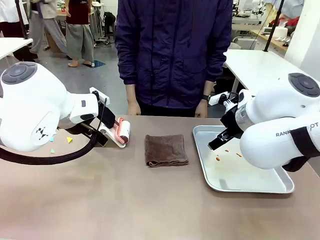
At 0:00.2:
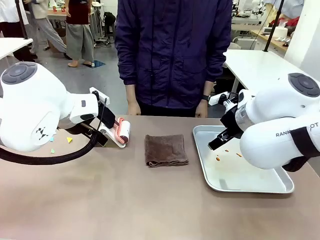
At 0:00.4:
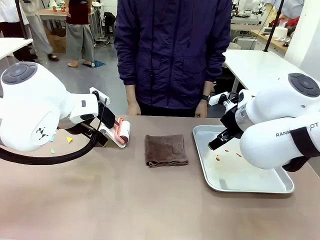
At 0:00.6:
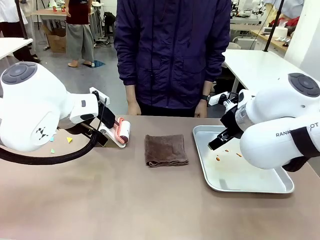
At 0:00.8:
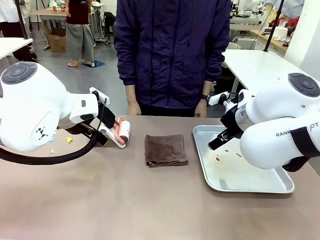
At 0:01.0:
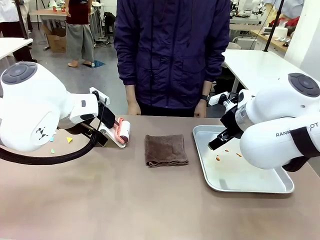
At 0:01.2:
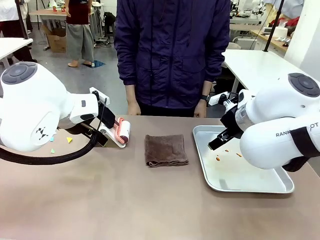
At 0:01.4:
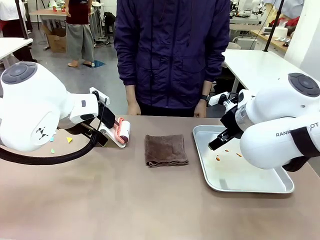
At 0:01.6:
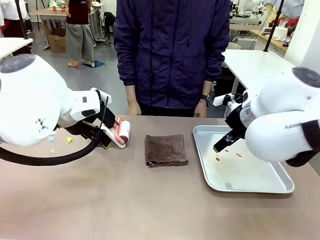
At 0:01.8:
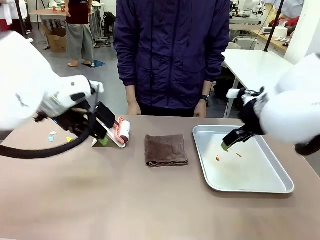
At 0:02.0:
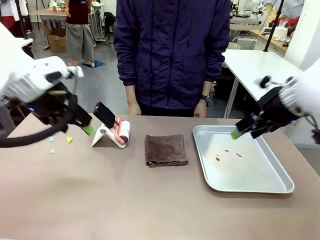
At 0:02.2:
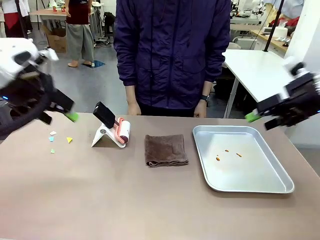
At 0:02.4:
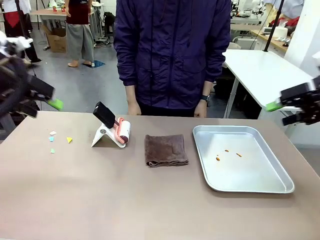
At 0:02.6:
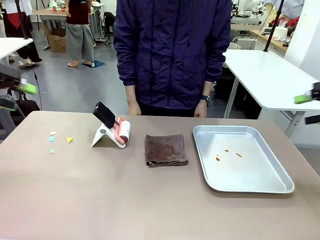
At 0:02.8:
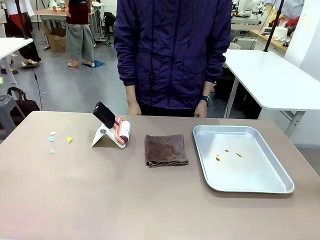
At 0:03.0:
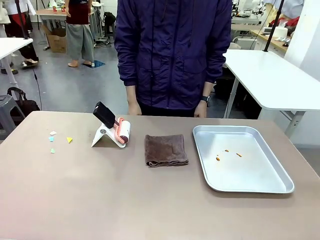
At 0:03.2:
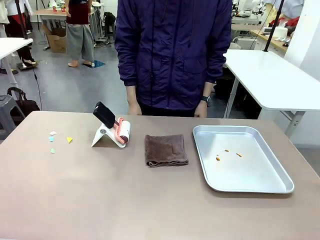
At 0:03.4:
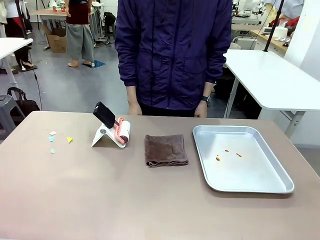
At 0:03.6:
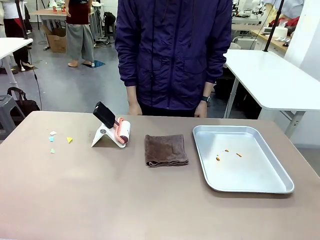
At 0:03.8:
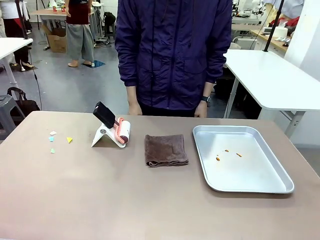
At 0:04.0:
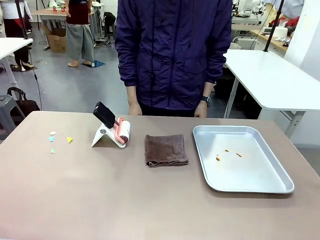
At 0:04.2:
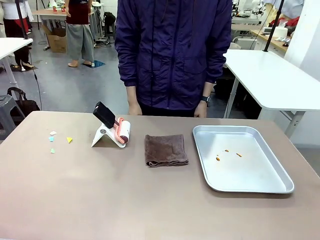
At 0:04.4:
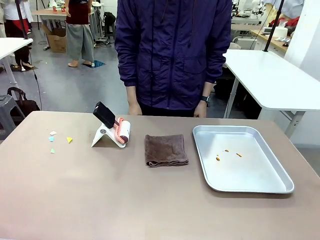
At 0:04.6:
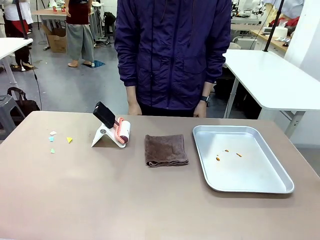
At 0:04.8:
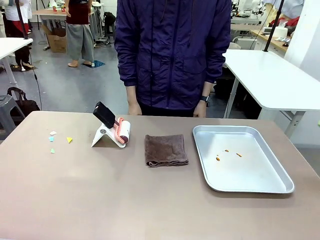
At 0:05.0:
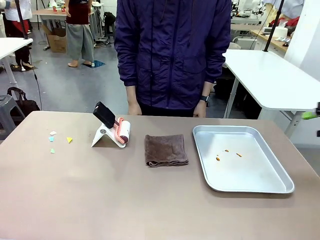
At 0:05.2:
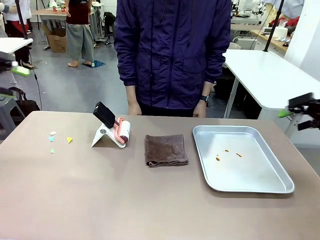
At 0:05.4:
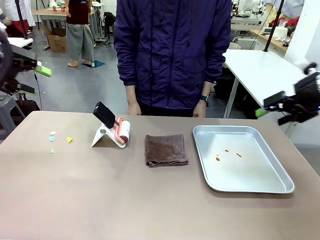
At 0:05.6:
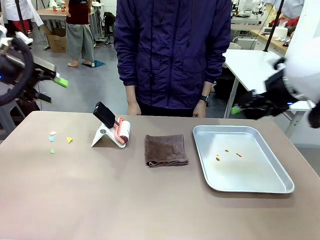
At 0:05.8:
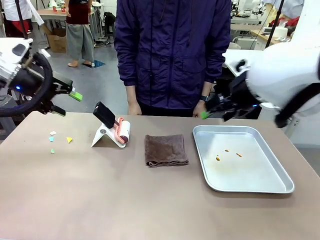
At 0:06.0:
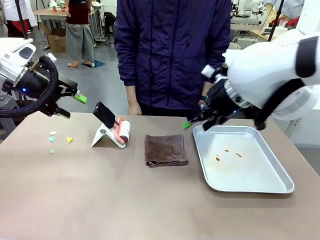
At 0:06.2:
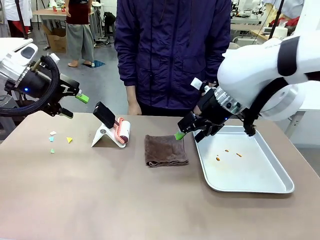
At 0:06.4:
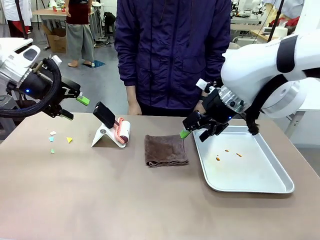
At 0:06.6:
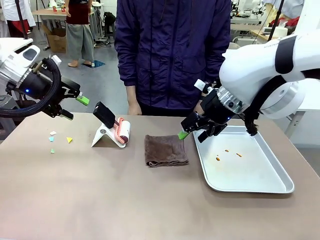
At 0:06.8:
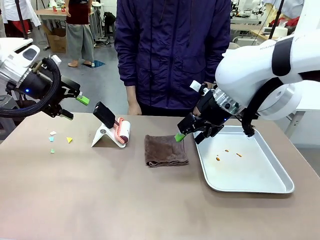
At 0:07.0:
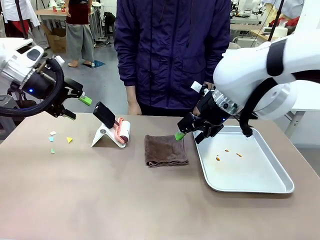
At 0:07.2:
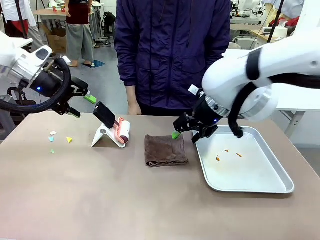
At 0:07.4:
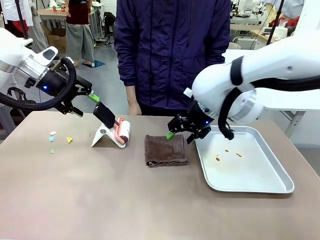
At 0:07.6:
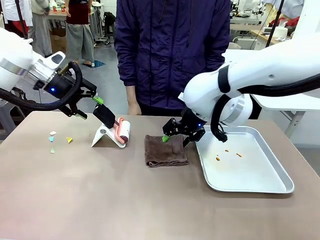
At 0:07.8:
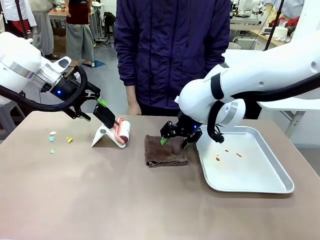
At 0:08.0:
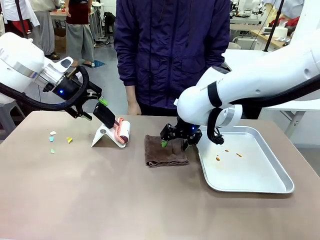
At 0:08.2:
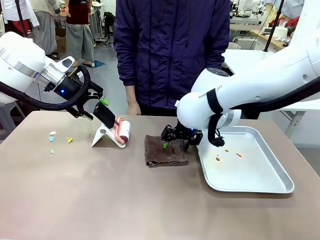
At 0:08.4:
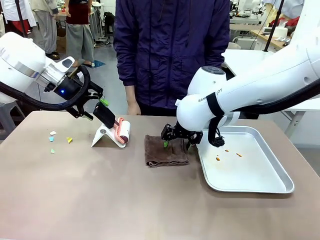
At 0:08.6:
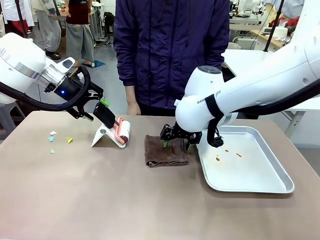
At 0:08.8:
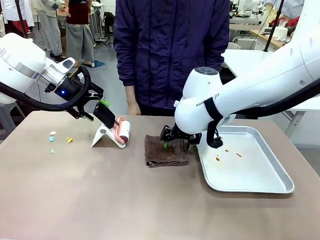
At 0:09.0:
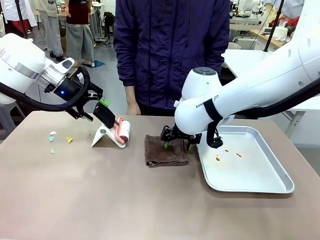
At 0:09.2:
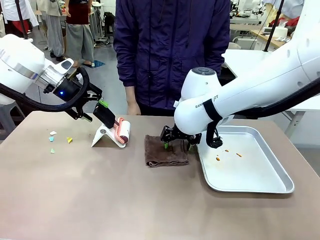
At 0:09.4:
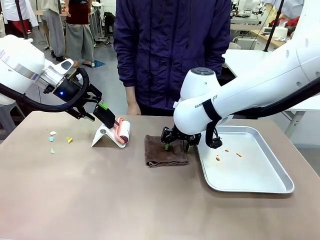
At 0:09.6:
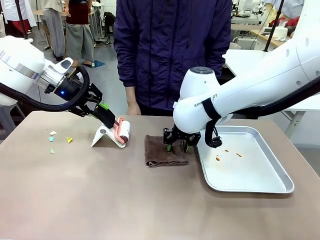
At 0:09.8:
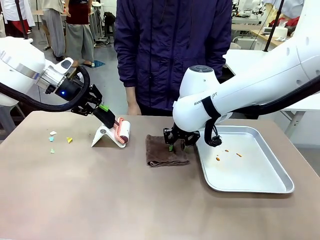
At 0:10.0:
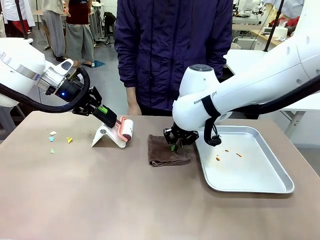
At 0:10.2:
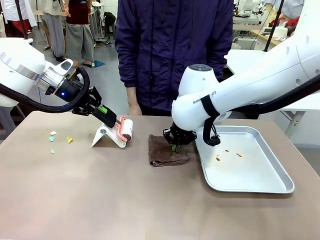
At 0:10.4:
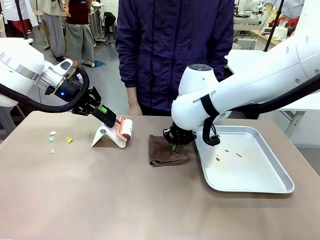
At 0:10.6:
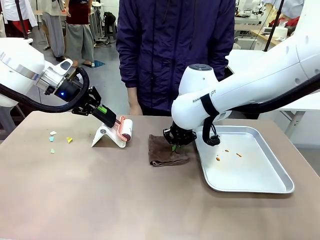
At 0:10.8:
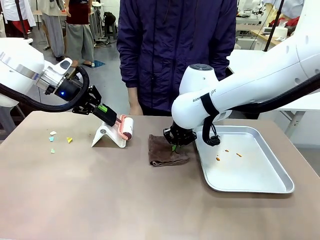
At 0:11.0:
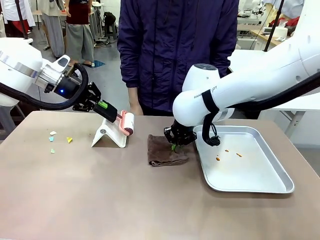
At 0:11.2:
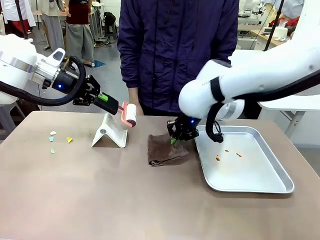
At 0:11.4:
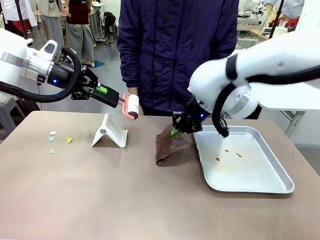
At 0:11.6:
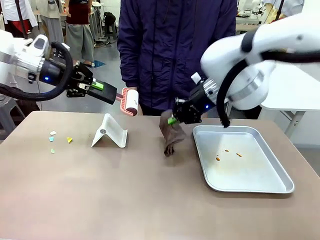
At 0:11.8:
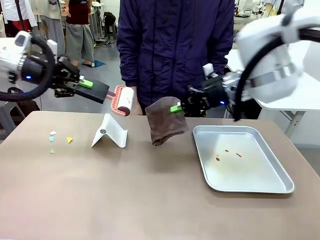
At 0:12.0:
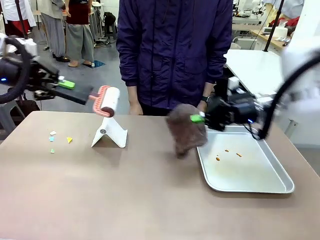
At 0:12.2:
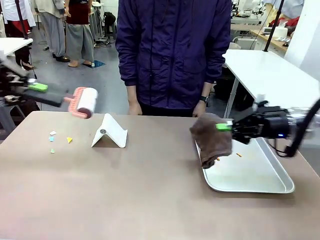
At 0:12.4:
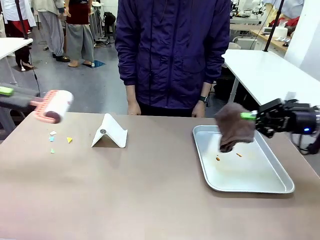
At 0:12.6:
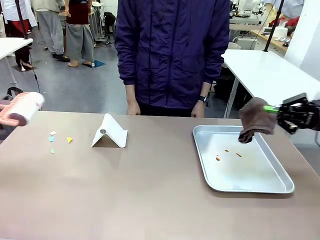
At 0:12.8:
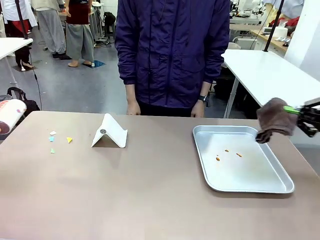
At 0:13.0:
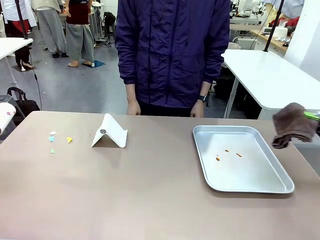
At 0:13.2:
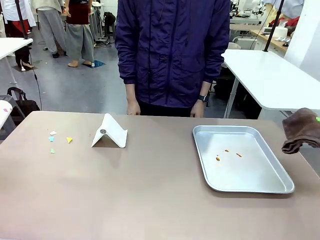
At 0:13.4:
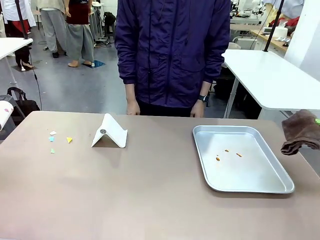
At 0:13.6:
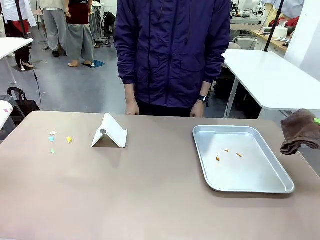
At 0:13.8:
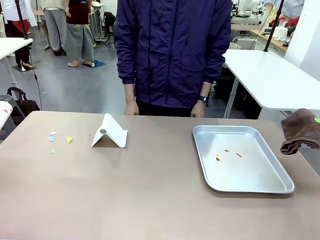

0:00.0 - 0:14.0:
Task: Clean the surface of the table.
Robot: Hold the Lint Roller with your left hand and the towel with your right hand.
